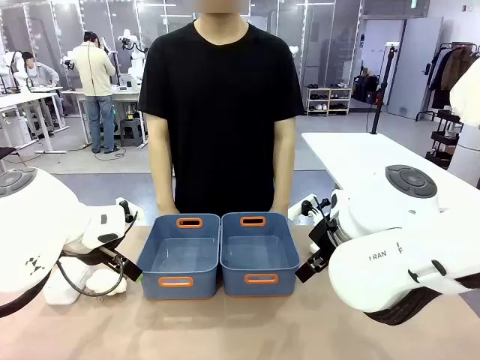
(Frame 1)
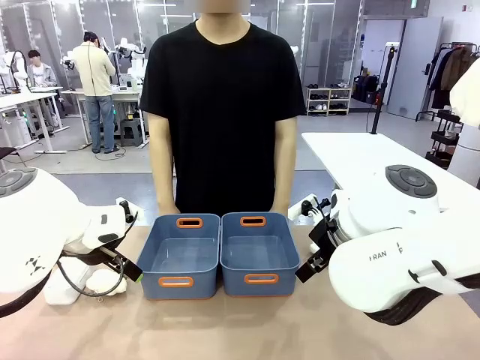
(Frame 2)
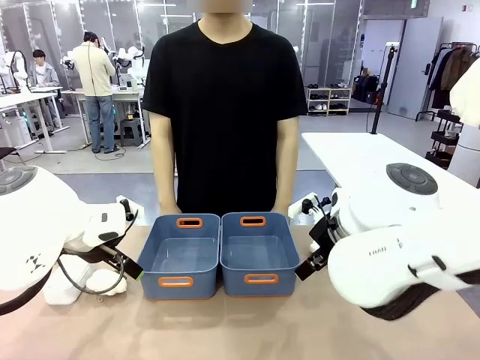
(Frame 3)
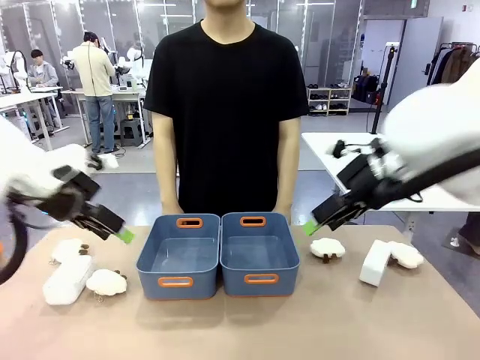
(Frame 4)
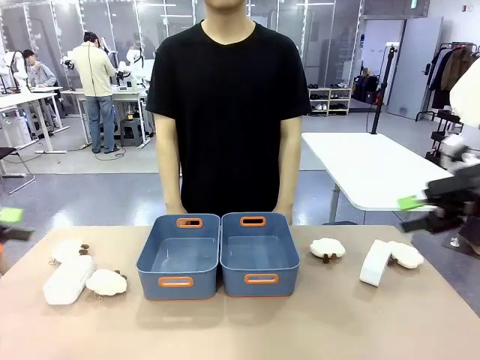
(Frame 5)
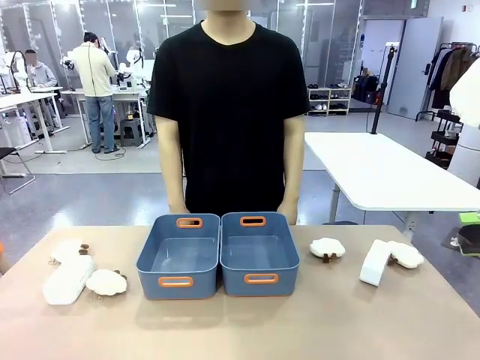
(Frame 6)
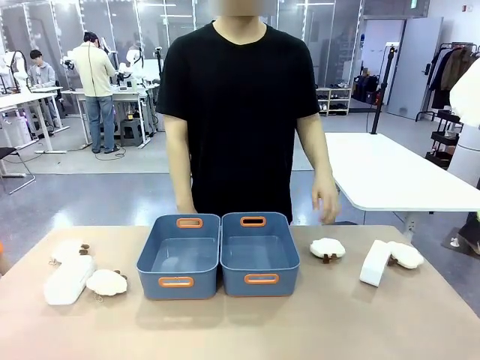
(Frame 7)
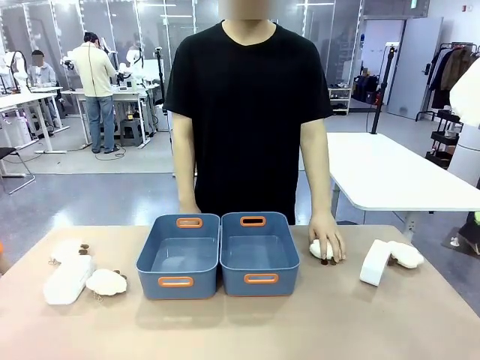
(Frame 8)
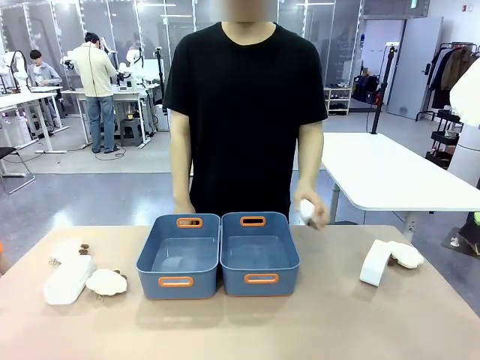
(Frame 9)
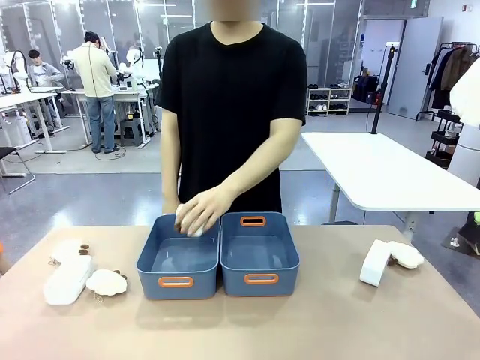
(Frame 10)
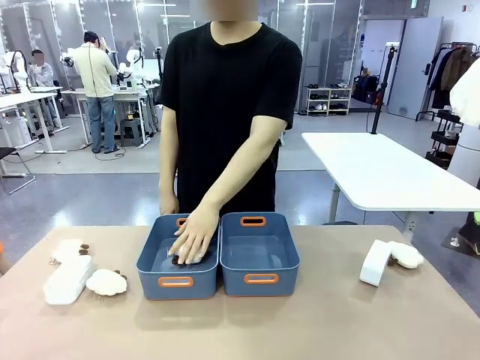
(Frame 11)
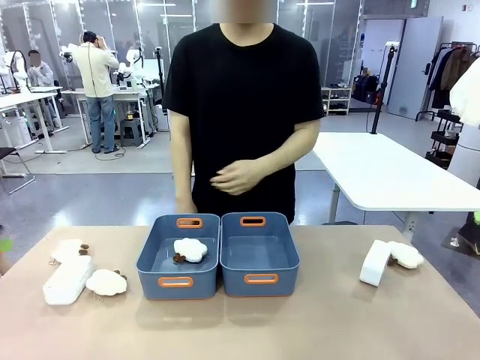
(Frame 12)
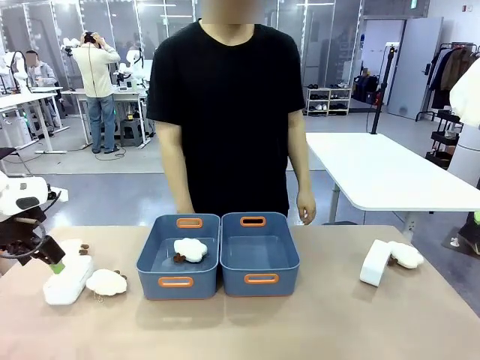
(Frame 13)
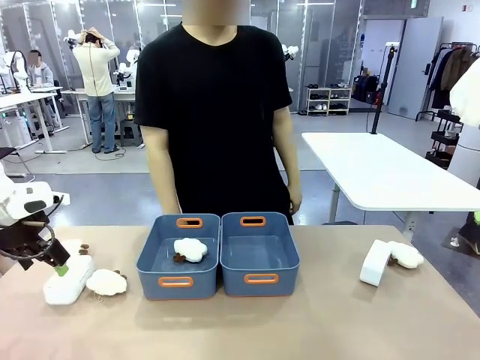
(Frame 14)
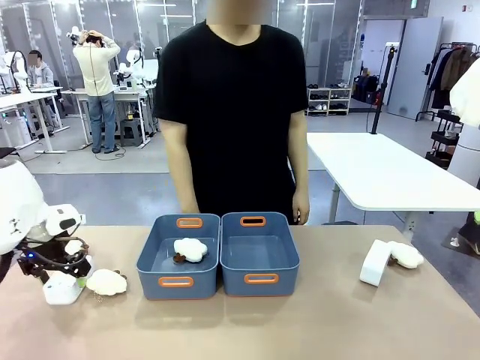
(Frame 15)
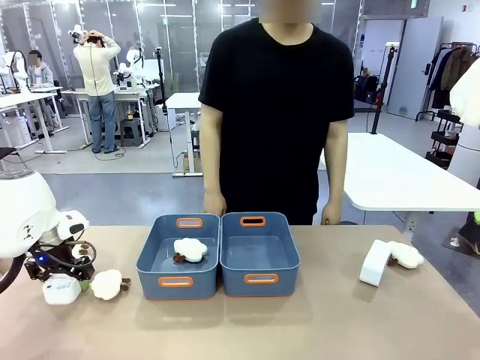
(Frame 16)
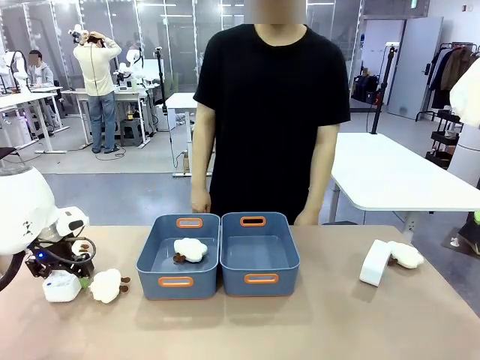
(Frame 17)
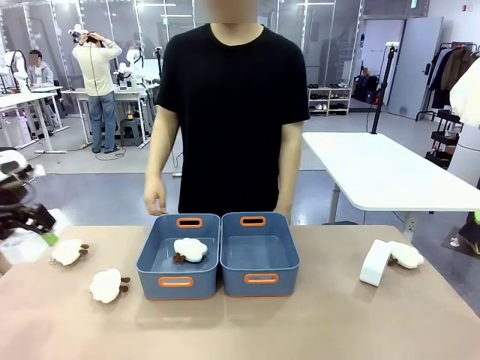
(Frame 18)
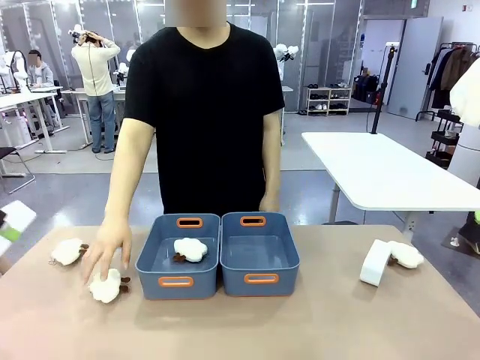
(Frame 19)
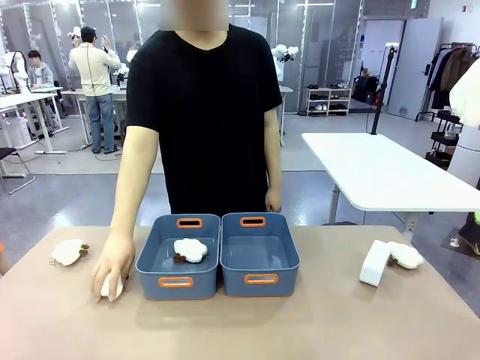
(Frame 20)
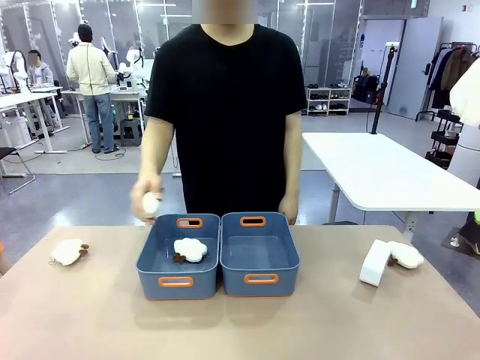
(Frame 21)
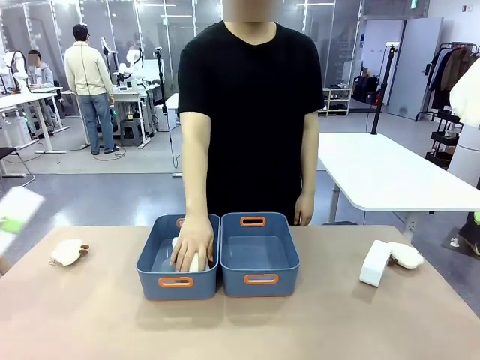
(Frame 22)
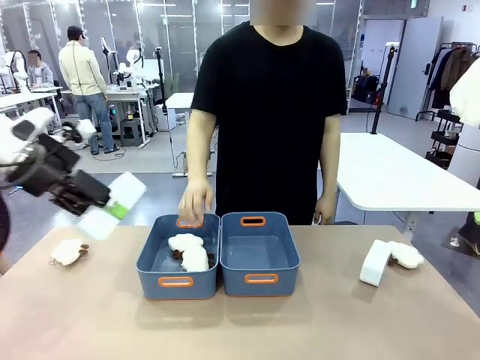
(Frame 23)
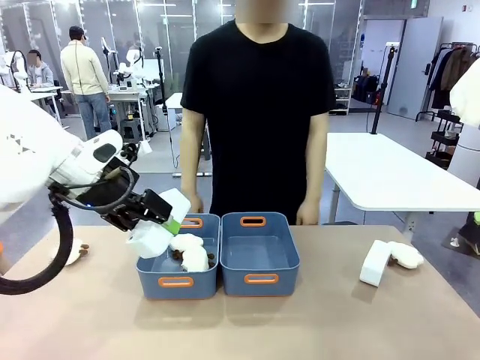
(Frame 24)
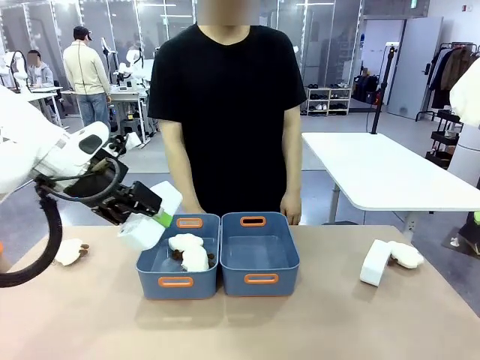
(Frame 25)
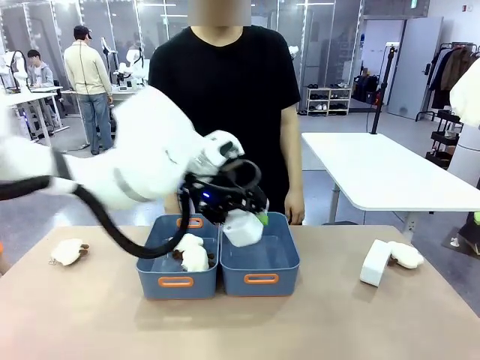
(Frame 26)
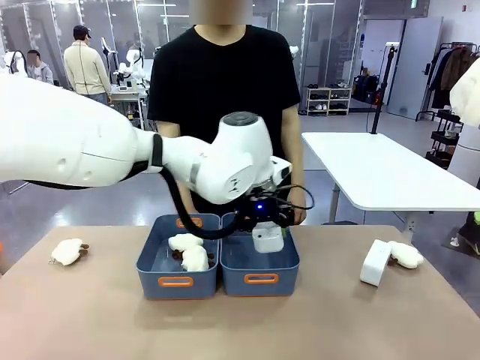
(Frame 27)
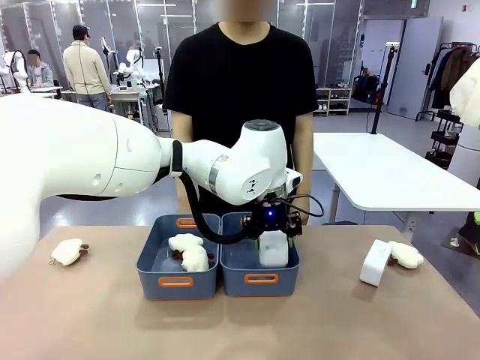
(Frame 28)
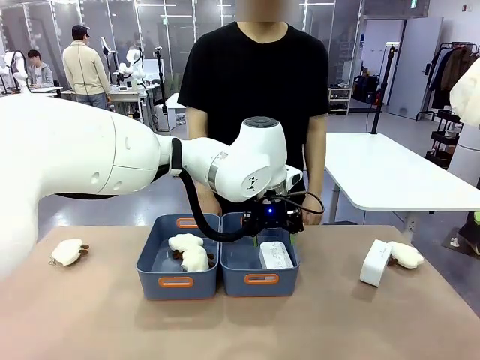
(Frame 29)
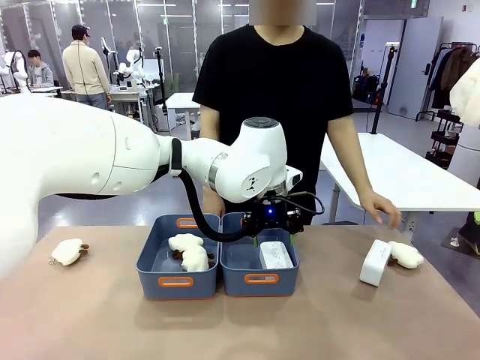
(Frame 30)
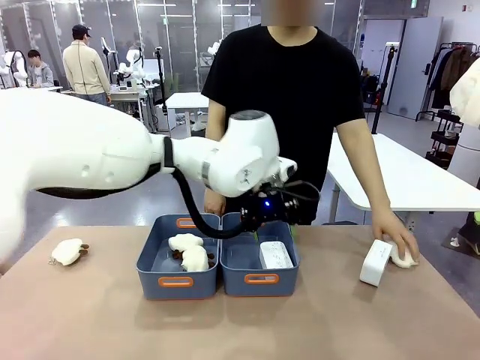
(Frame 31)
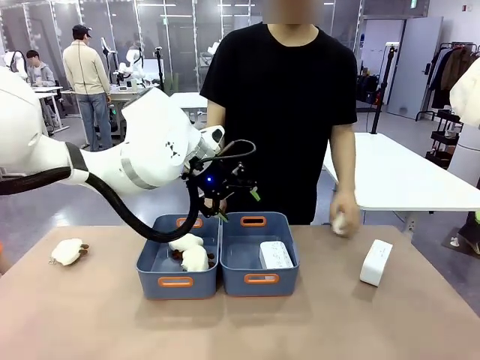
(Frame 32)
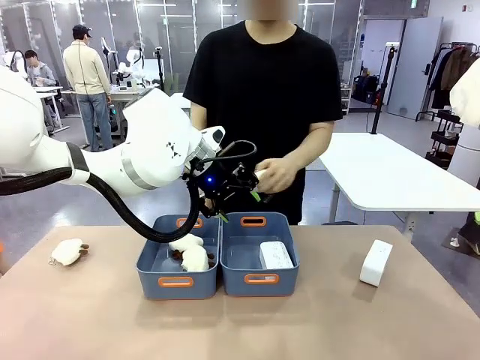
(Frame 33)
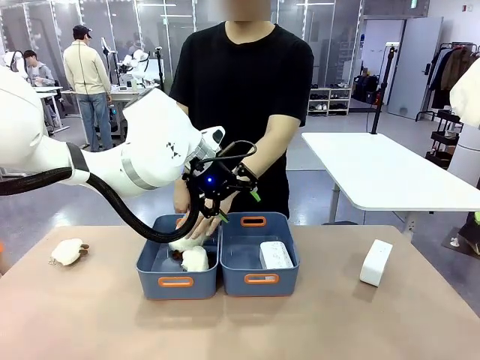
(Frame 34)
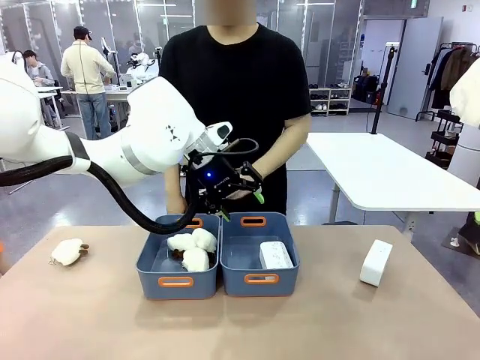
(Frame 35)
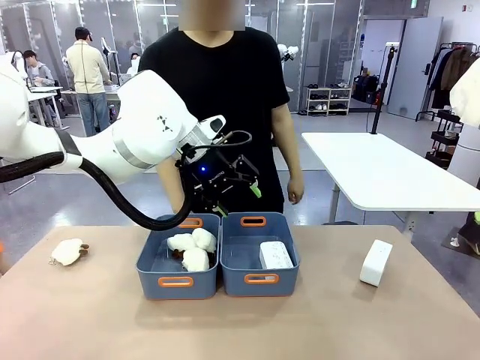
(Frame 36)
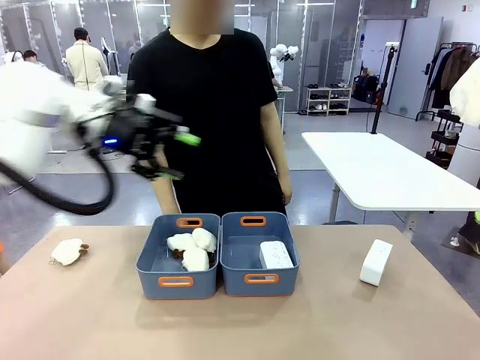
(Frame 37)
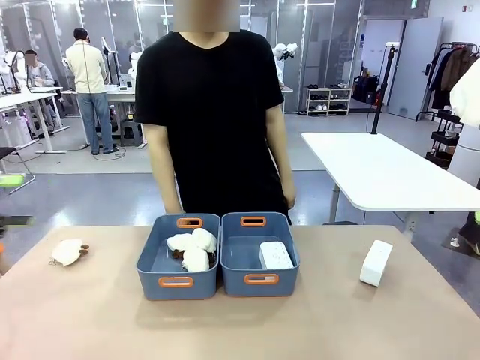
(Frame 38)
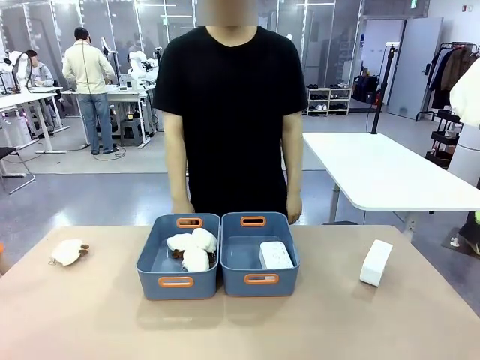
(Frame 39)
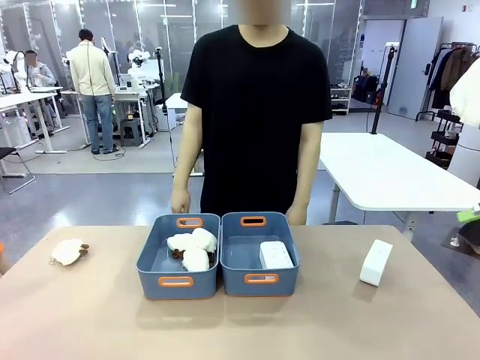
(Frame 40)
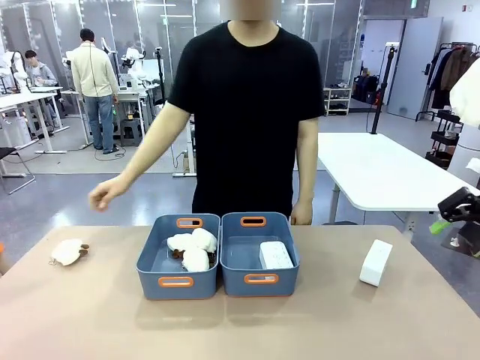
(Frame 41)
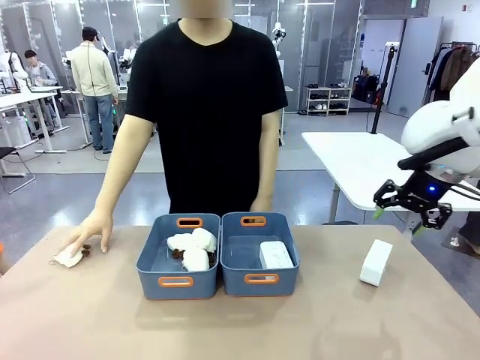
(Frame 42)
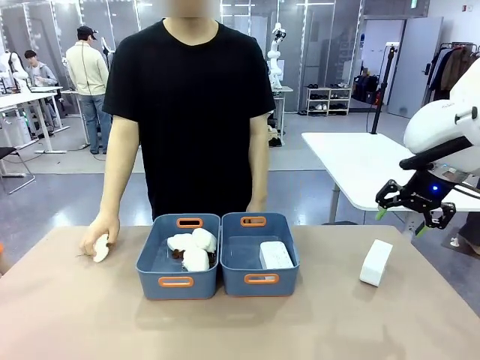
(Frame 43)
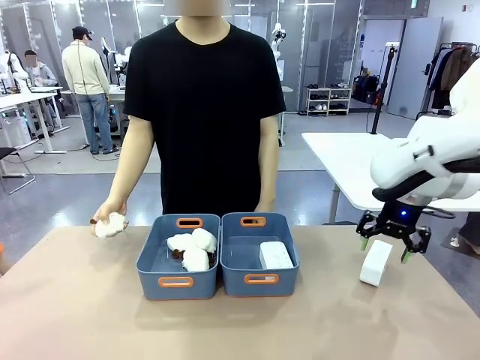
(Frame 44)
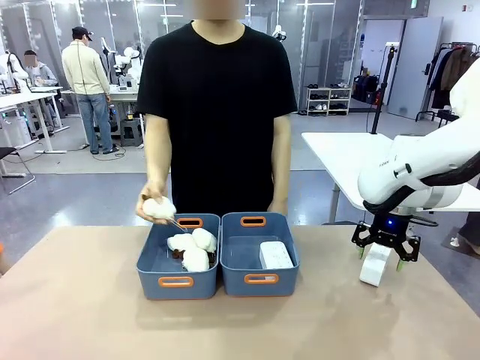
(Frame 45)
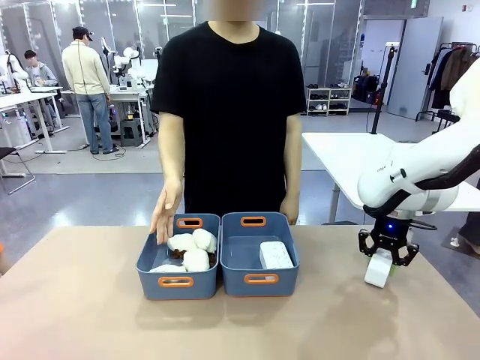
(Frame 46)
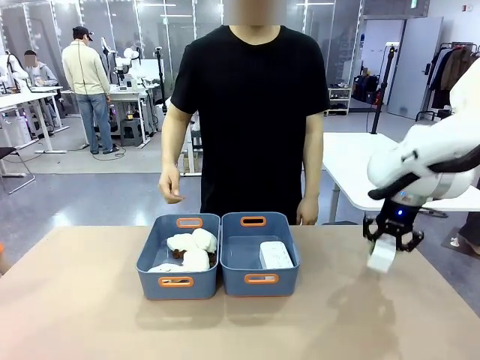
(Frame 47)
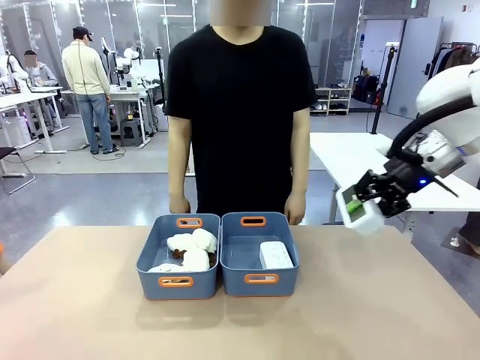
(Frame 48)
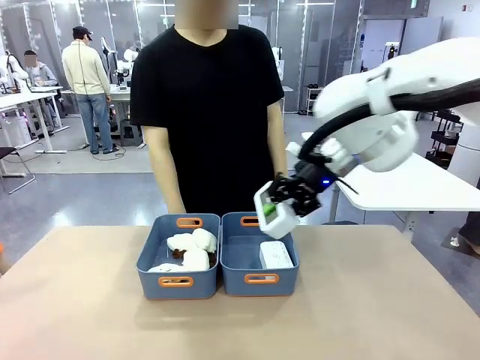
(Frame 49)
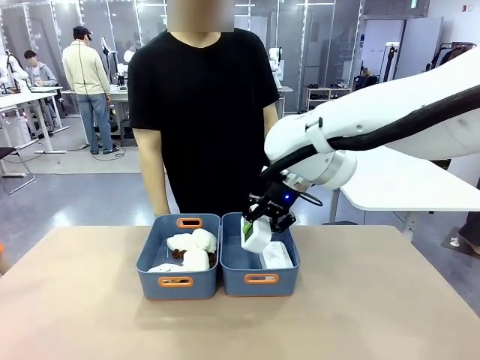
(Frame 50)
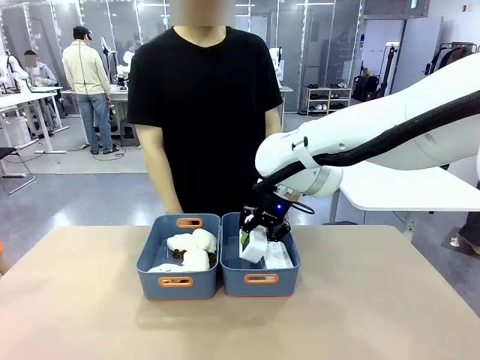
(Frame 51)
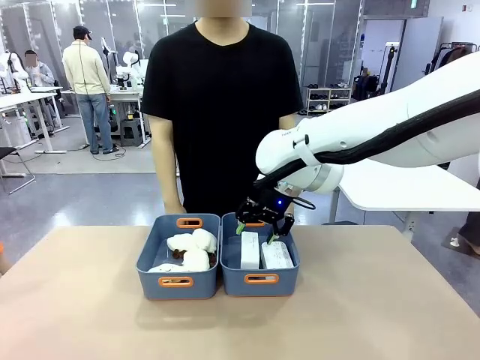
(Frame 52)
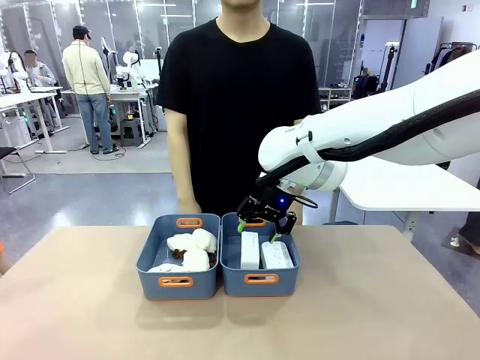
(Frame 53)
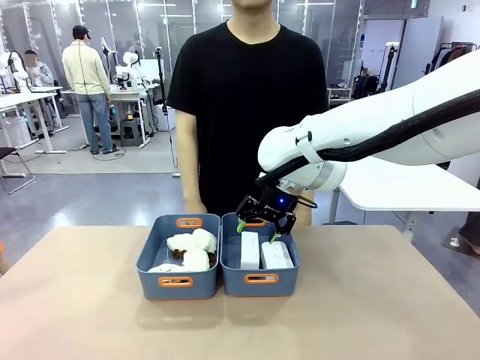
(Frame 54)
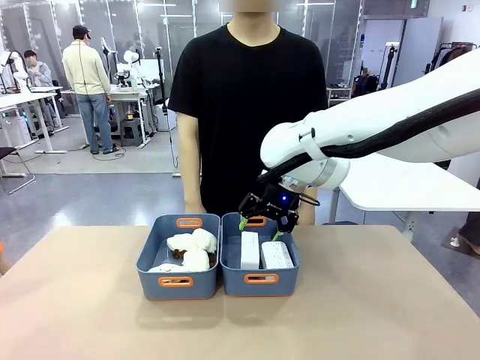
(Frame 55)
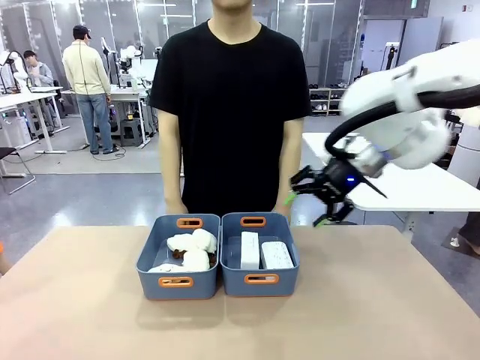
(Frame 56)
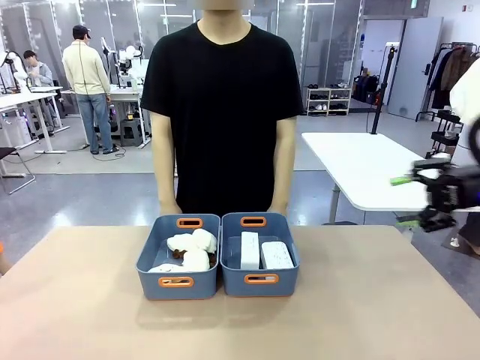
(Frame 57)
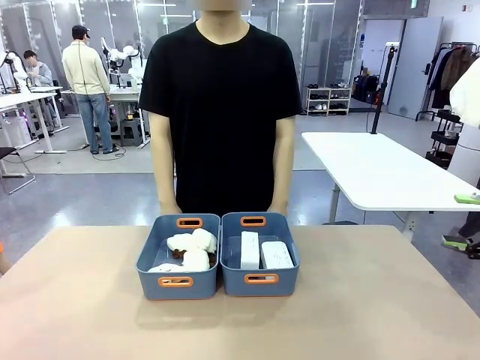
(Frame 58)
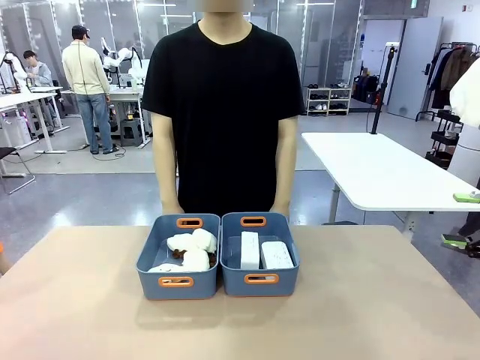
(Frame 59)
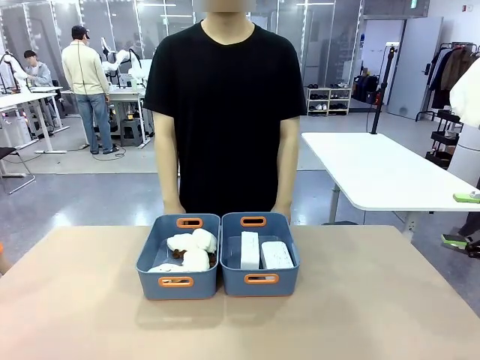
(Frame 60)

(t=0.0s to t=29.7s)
Task: Sort the digital clocks into the basket.
Robot: Pick up the Digital clock from the table and place it into the empty Plastic storage basket.
Person: Pick up a plush toy from the table and place it in a plastic storage basket. Pick up a plush toy from the table and place it in the plastic storage basket containing the plush toy.
